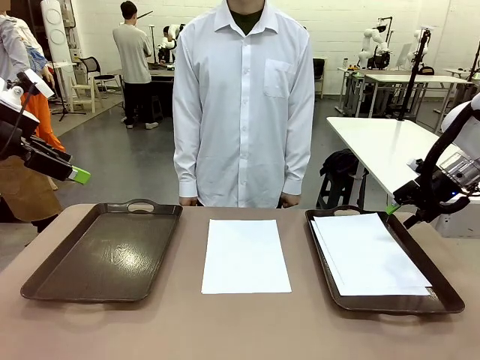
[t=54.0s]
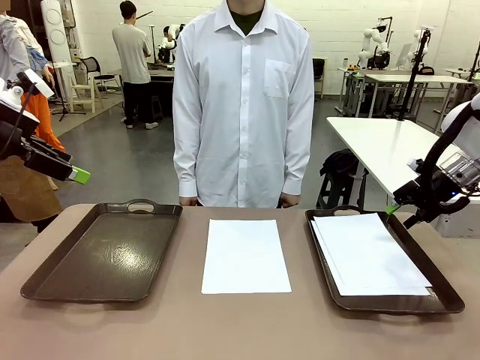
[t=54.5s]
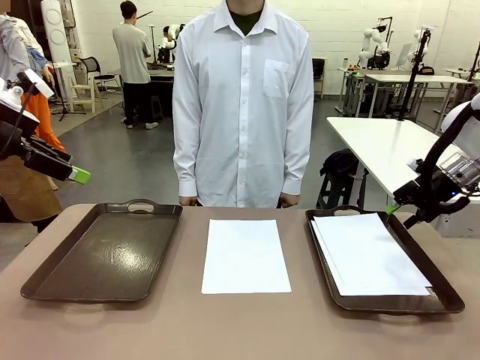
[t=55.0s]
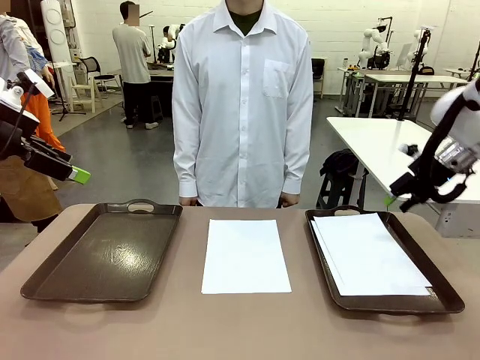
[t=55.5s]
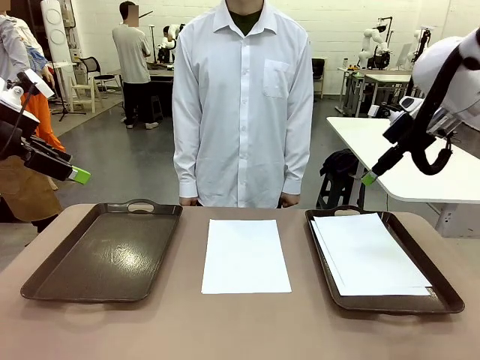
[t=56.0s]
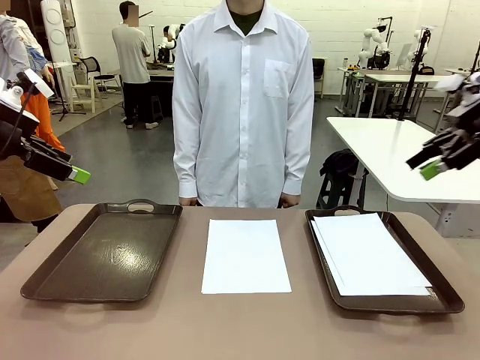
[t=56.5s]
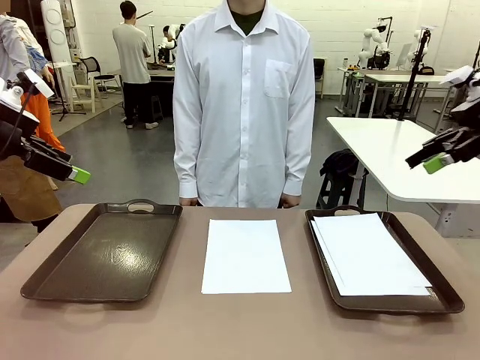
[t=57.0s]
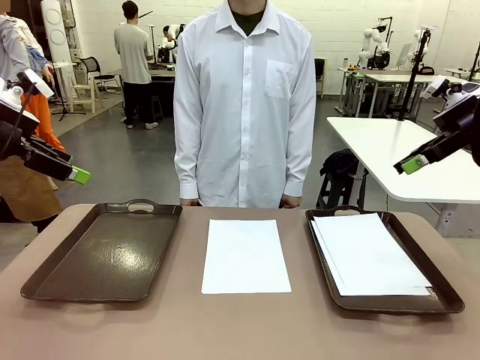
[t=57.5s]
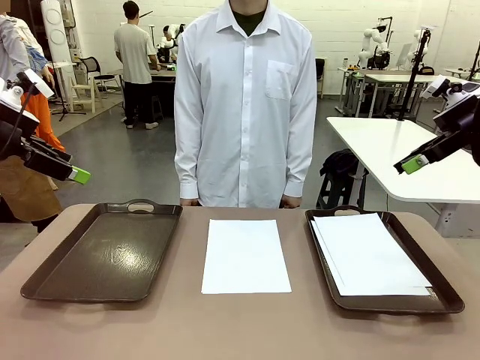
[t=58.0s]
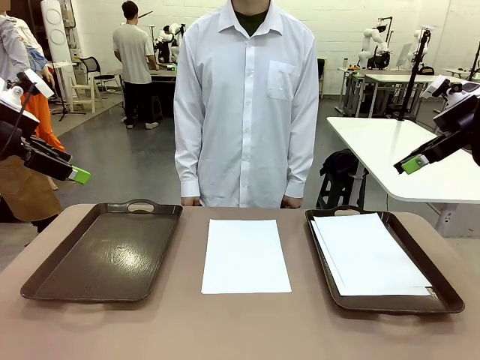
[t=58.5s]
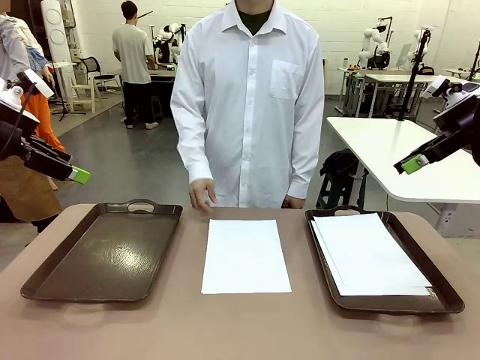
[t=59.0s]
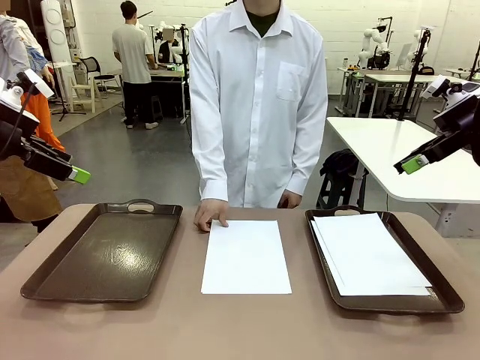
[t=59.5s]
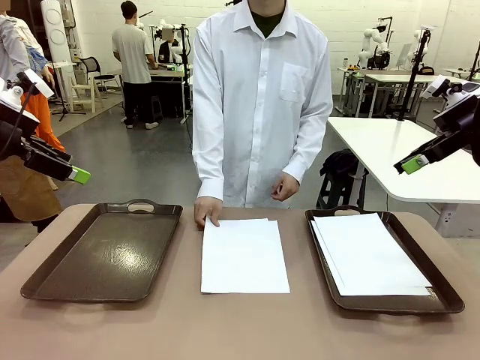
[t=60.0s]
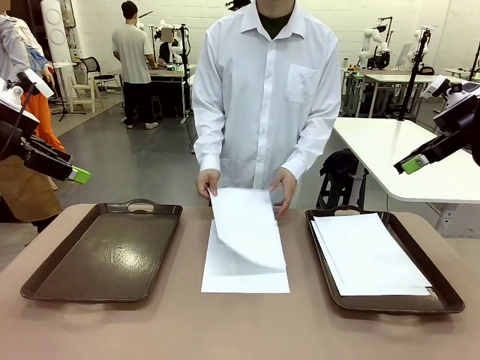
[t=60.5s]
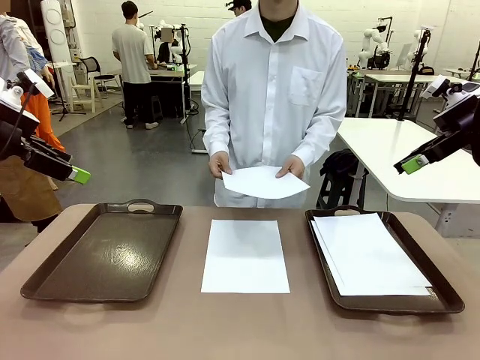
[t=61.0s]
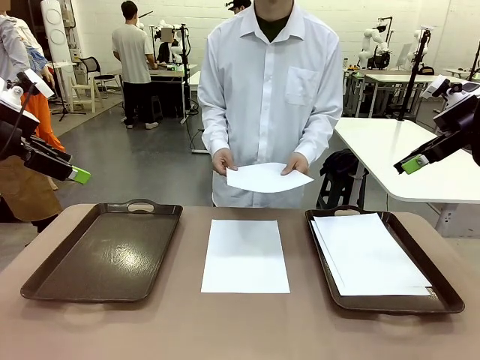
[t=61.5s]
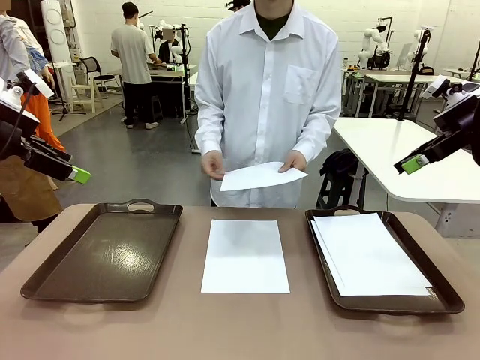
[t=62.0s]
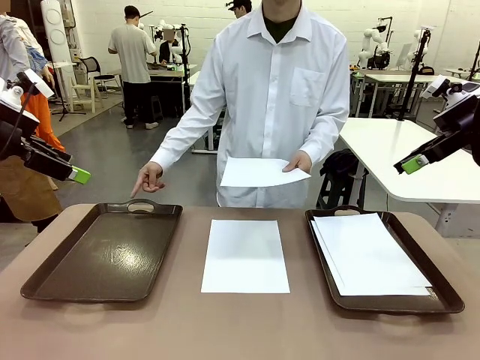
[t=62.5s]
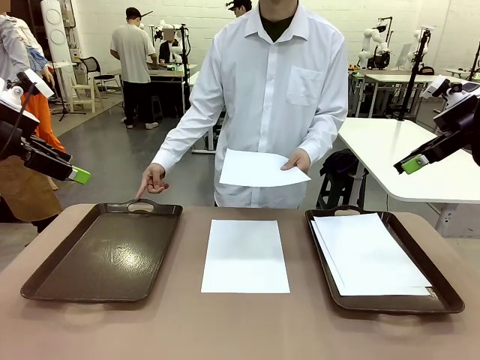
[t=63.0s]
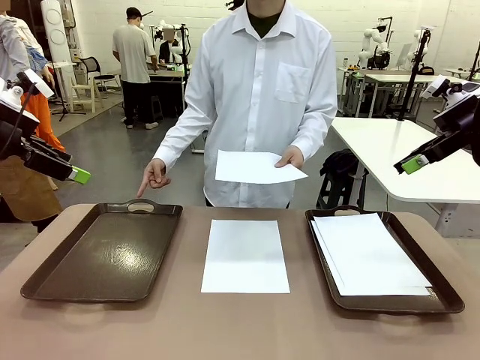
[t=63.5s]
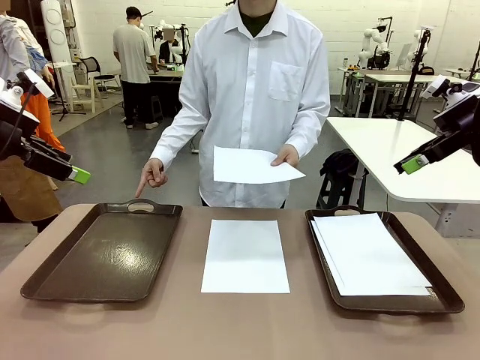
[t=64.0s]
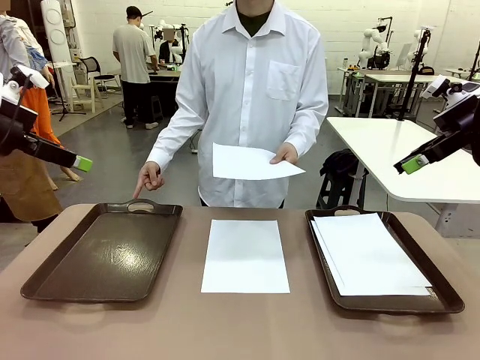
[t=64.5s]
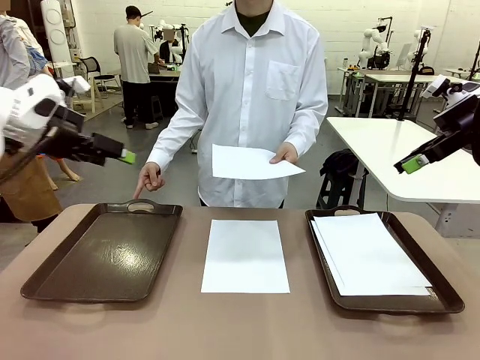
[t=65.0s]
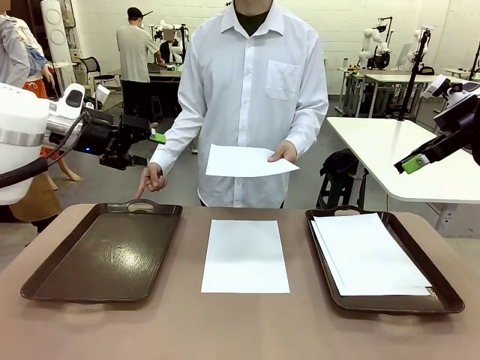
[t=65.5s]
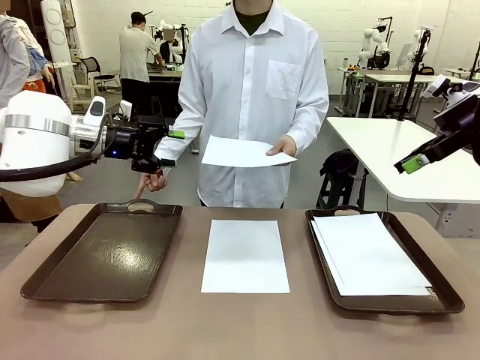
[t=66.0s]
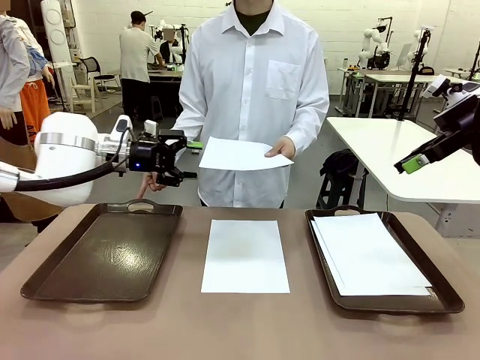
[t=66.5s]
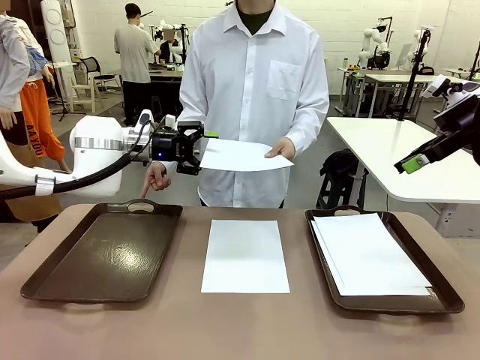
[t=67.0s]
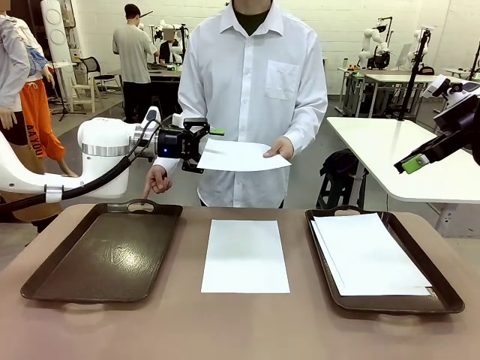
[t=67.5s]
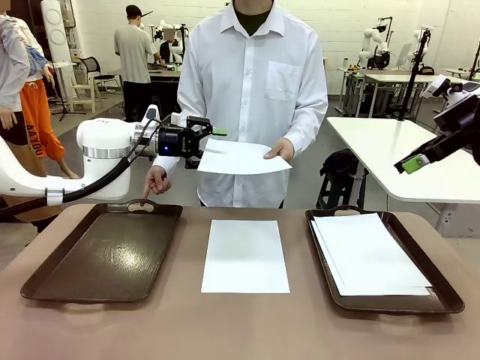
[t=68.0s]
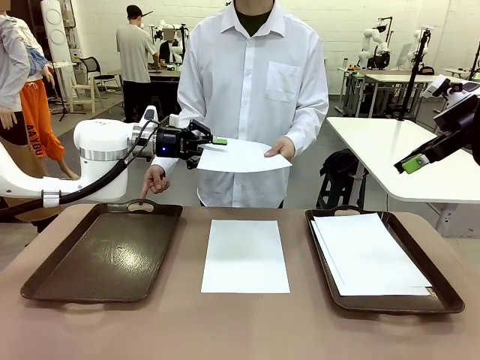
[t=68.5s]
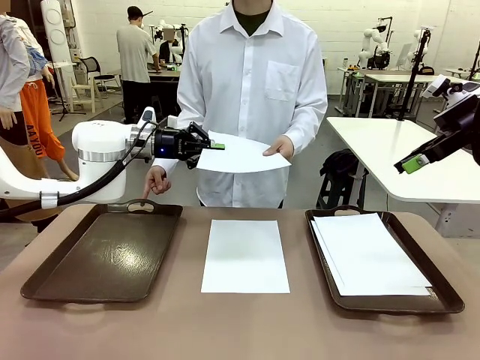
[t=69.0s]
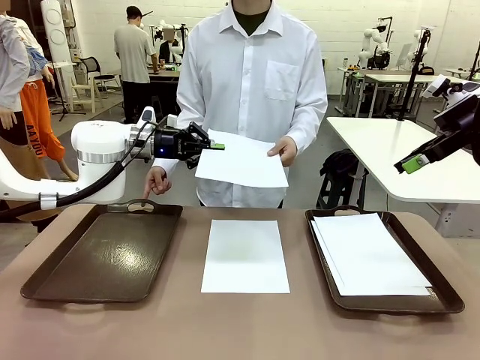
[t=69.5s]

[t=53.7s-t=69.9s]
Task: Sort the A4 documents.
Robot: Receive the A4 Paper.
Person: Point the randomly selected tray with the other hand.

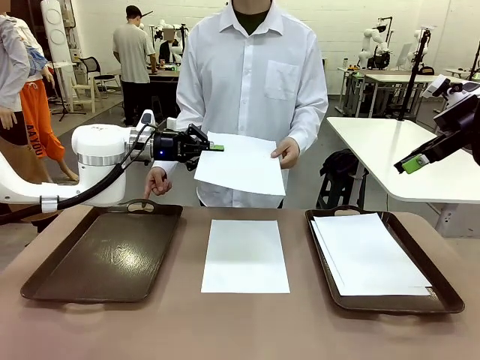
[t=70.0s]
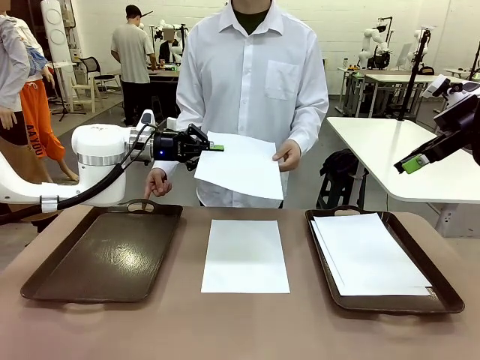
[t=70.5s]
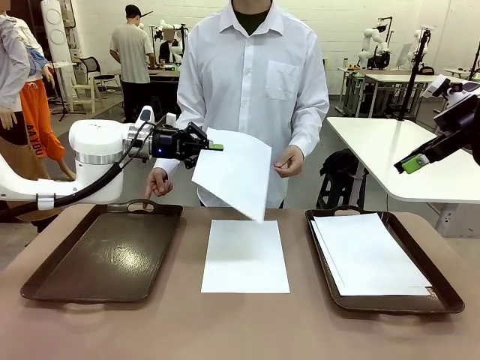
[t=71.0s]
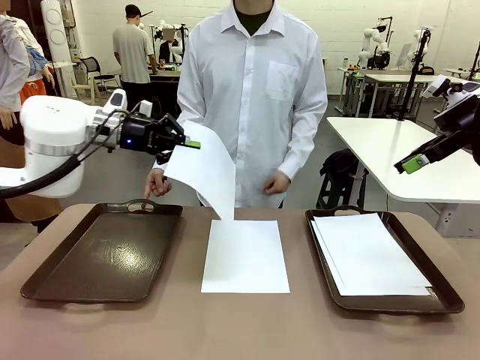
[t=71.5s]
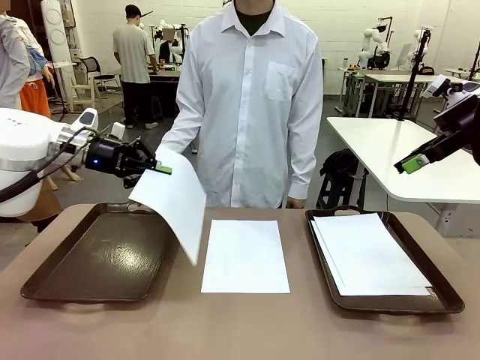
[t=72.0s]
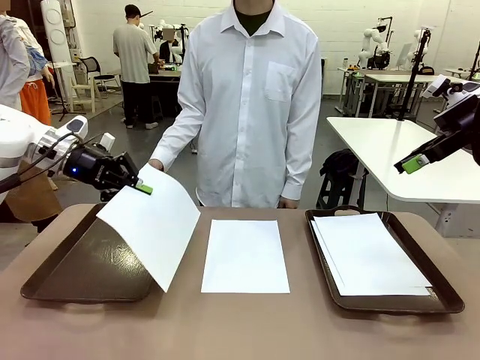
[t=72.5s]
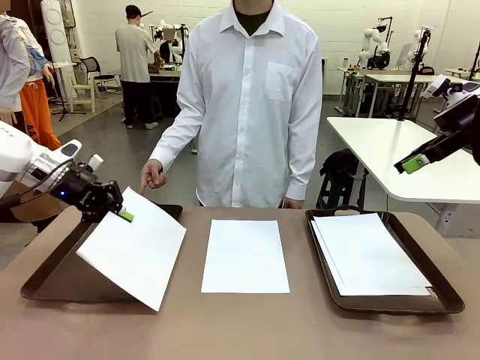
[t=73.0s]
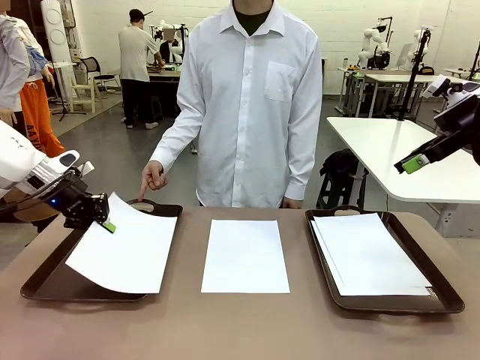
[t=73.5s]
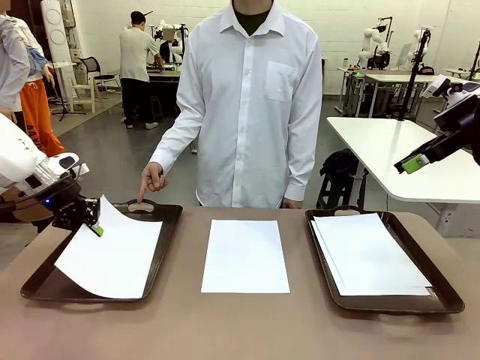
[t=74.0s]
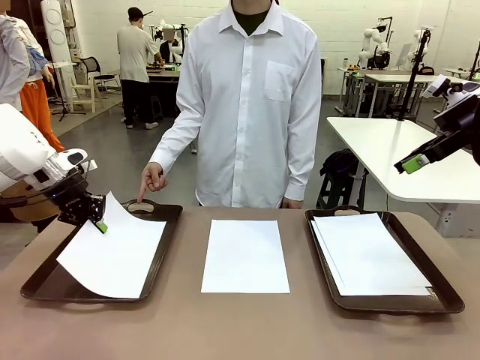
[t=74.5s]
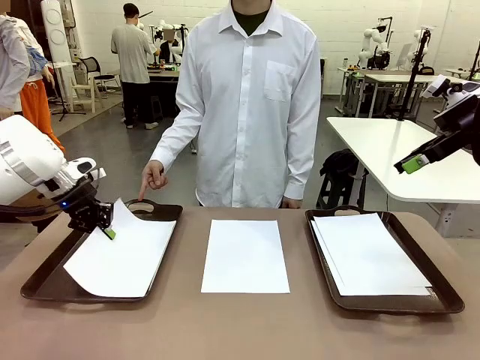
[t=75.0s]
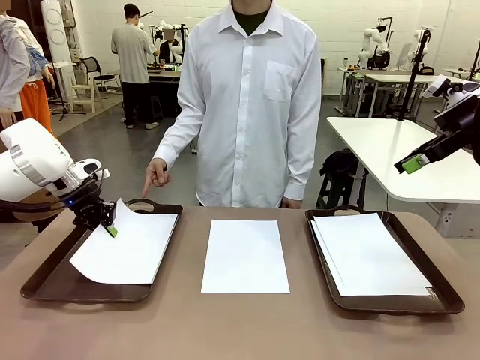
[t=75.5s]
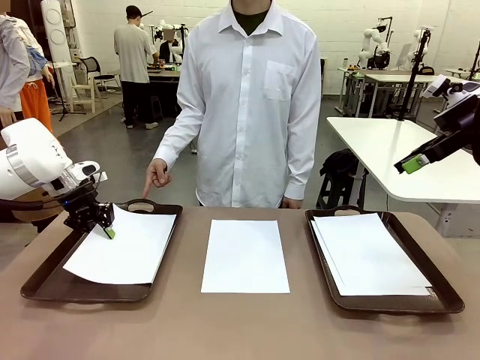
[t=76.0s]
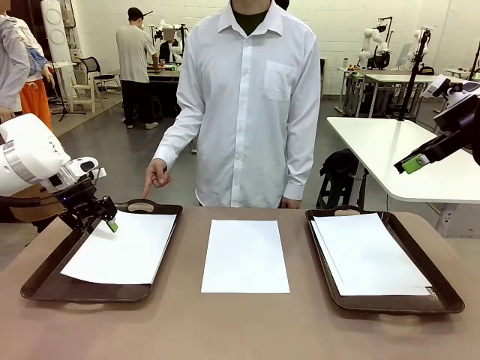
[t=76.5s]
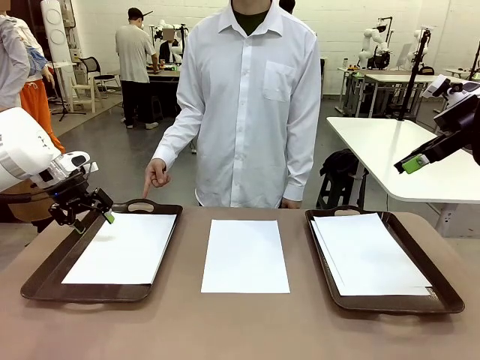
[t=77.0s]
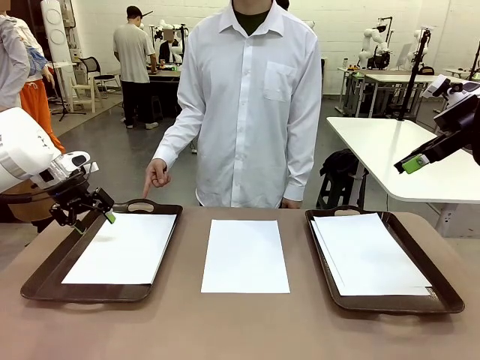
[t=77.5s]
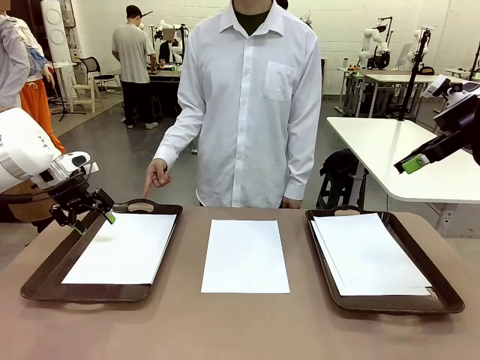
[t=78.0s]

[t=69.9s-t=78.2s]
Robot: Place the A4 Paper in the designated Handle tray.
